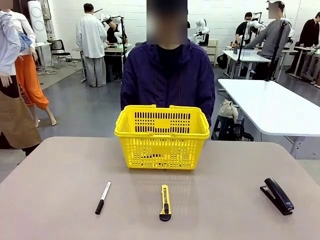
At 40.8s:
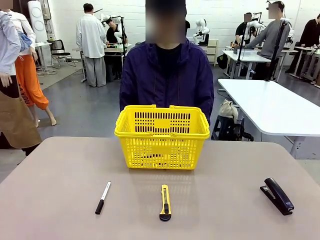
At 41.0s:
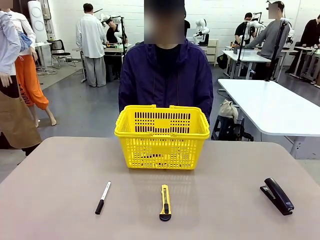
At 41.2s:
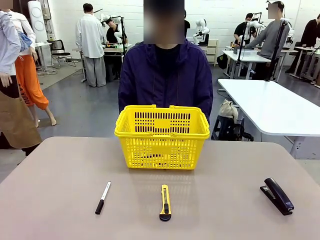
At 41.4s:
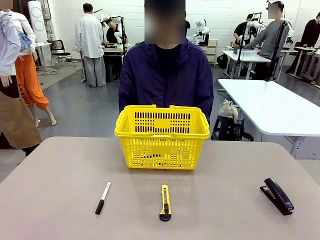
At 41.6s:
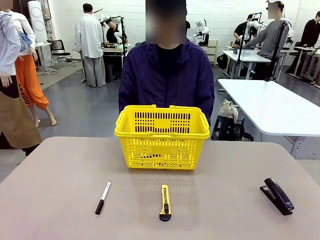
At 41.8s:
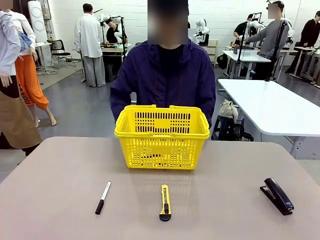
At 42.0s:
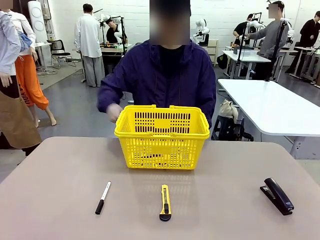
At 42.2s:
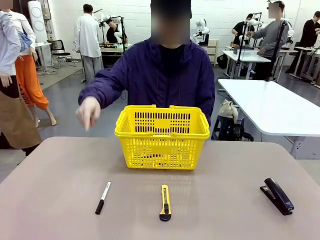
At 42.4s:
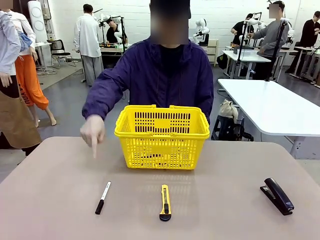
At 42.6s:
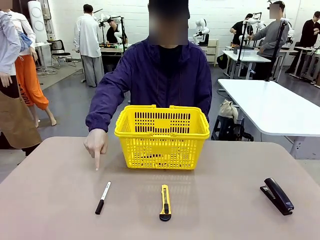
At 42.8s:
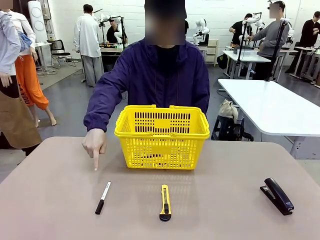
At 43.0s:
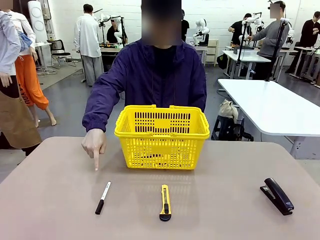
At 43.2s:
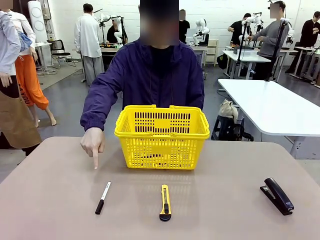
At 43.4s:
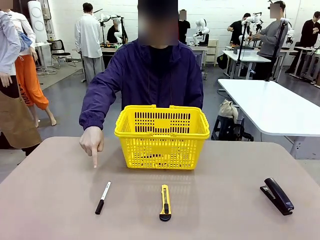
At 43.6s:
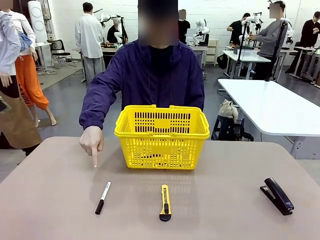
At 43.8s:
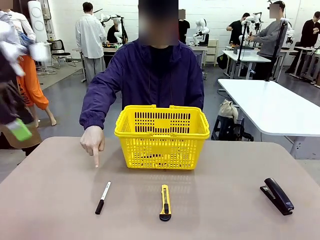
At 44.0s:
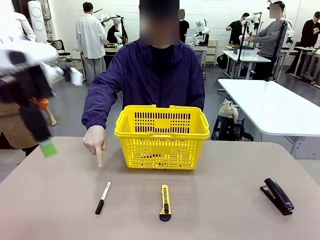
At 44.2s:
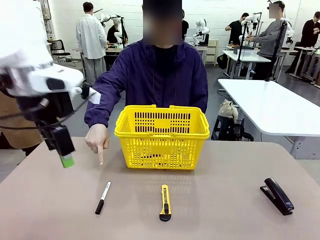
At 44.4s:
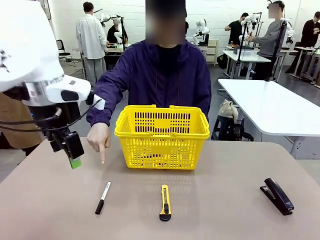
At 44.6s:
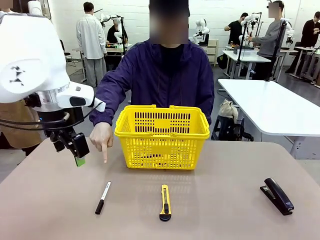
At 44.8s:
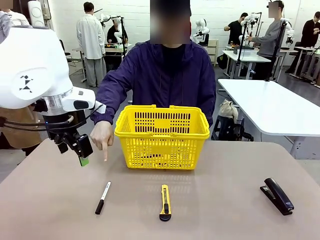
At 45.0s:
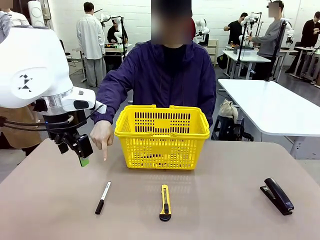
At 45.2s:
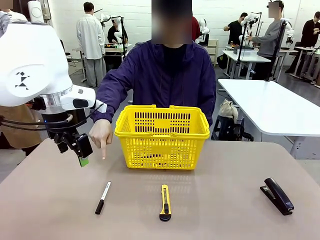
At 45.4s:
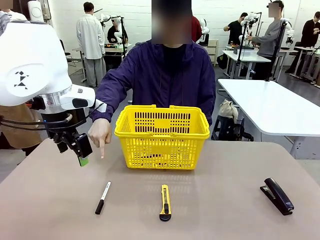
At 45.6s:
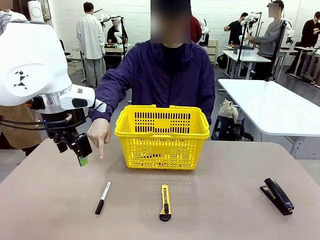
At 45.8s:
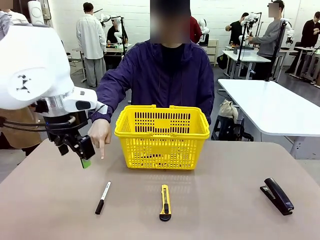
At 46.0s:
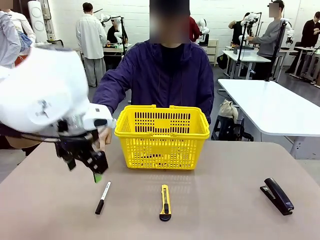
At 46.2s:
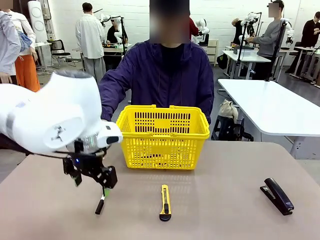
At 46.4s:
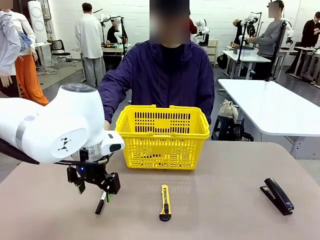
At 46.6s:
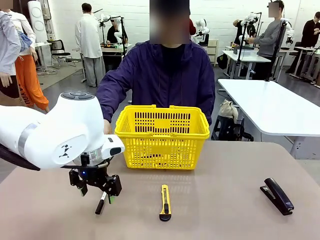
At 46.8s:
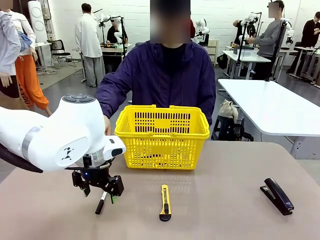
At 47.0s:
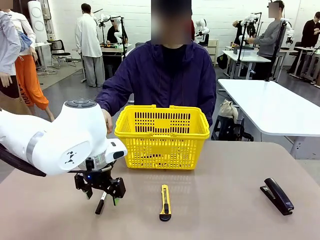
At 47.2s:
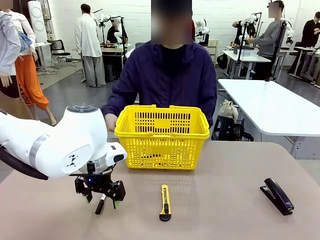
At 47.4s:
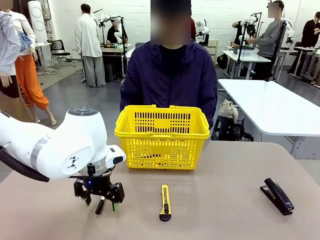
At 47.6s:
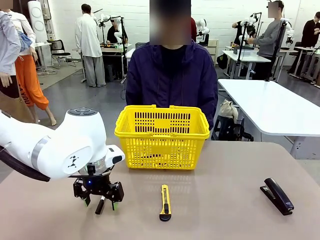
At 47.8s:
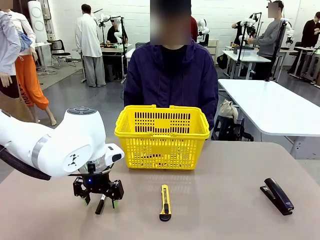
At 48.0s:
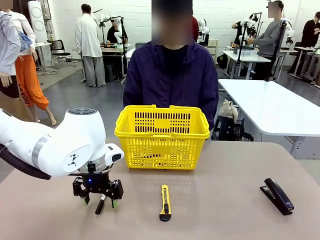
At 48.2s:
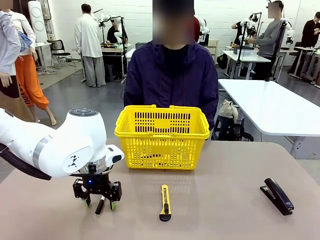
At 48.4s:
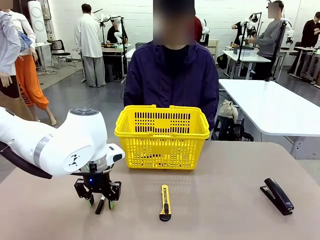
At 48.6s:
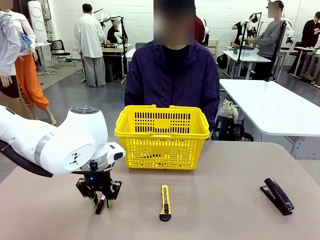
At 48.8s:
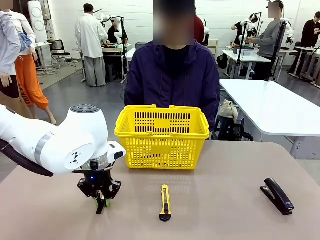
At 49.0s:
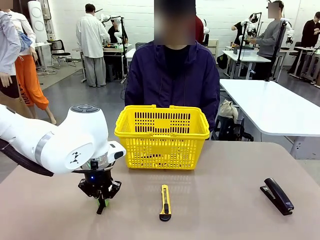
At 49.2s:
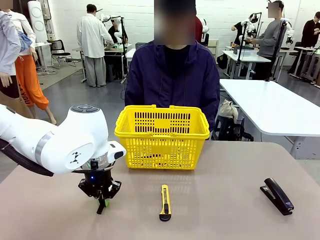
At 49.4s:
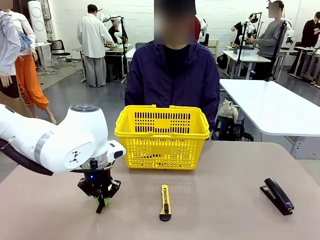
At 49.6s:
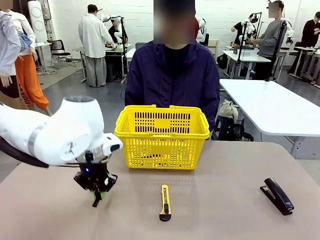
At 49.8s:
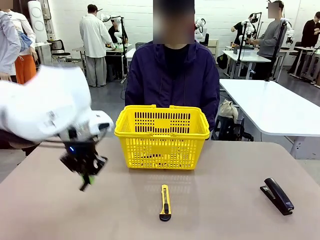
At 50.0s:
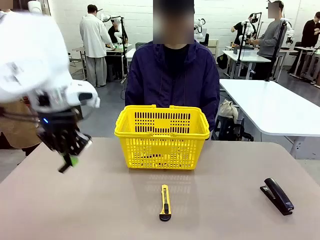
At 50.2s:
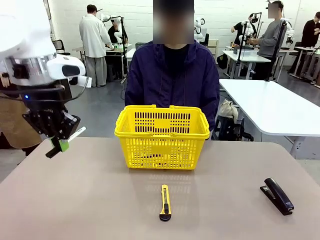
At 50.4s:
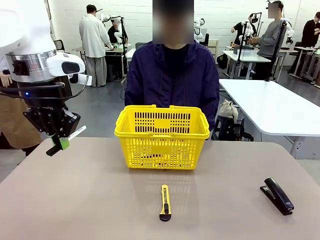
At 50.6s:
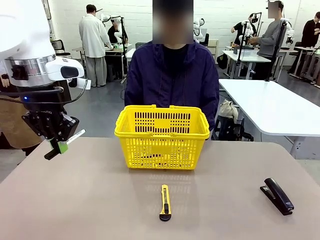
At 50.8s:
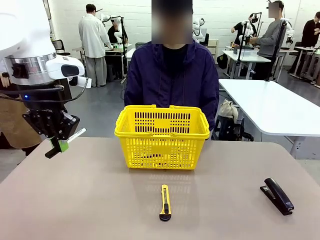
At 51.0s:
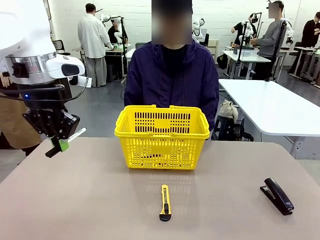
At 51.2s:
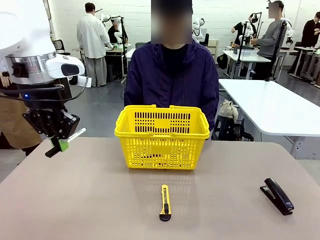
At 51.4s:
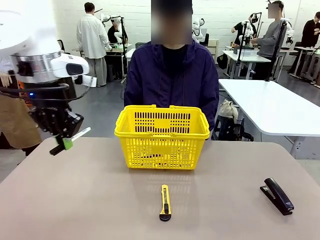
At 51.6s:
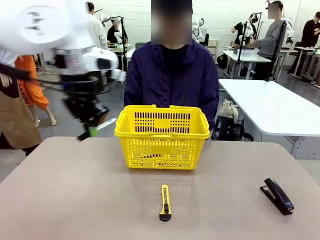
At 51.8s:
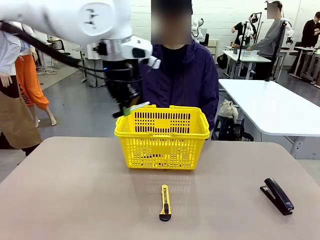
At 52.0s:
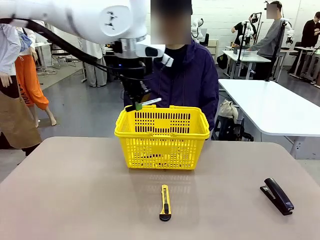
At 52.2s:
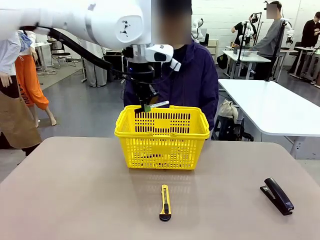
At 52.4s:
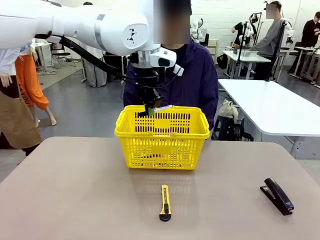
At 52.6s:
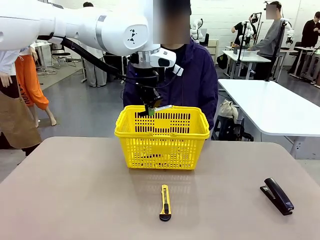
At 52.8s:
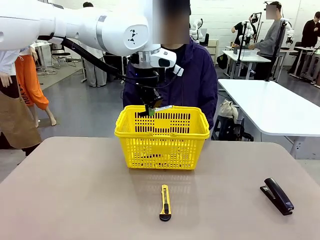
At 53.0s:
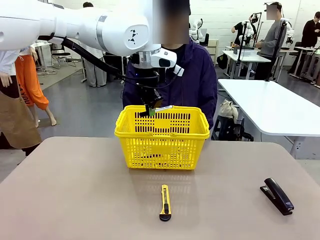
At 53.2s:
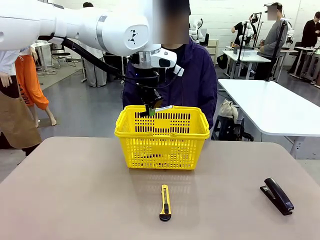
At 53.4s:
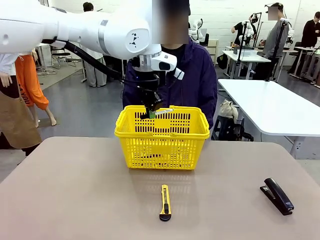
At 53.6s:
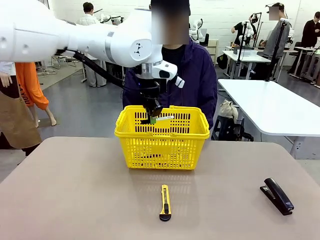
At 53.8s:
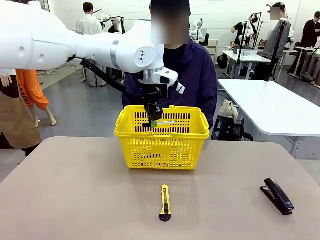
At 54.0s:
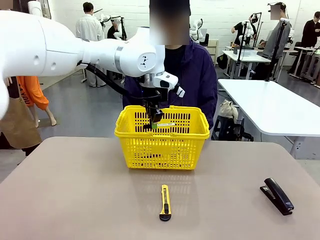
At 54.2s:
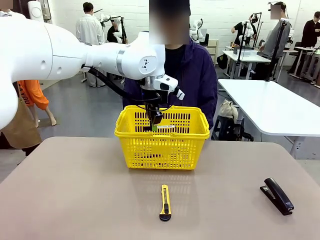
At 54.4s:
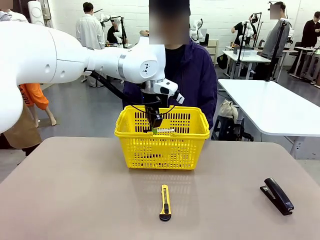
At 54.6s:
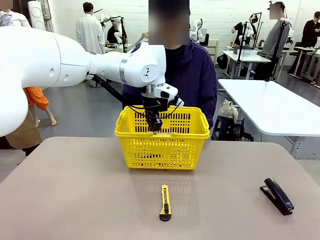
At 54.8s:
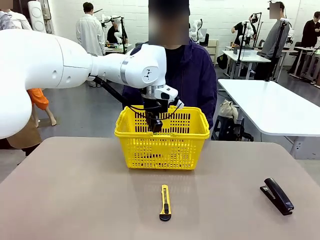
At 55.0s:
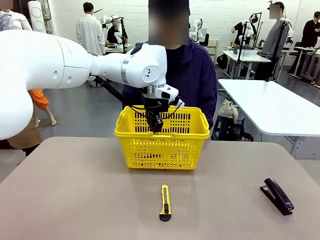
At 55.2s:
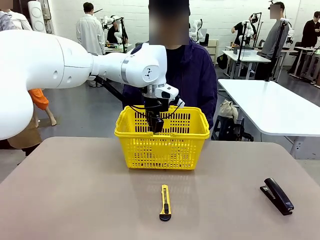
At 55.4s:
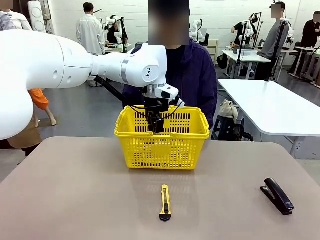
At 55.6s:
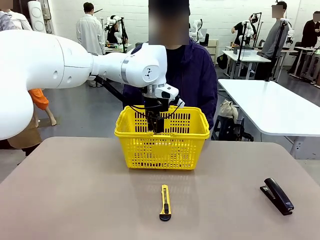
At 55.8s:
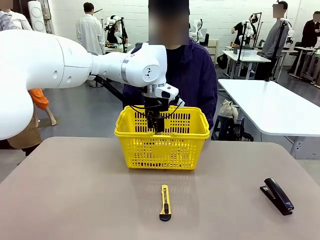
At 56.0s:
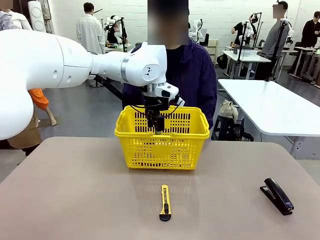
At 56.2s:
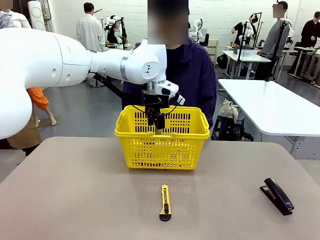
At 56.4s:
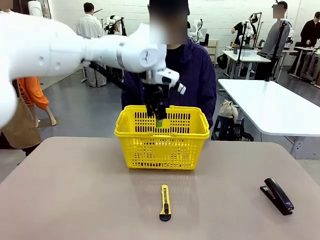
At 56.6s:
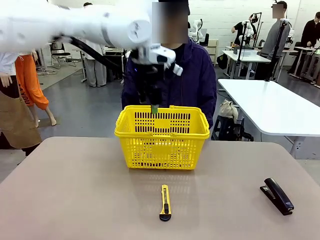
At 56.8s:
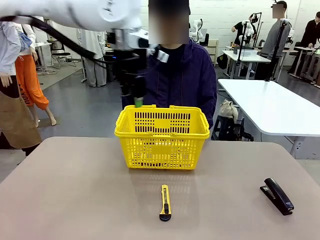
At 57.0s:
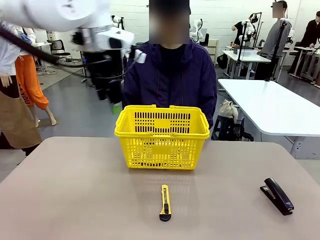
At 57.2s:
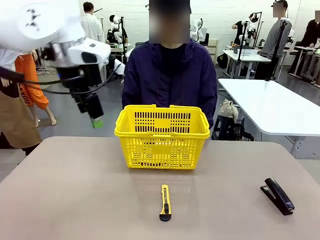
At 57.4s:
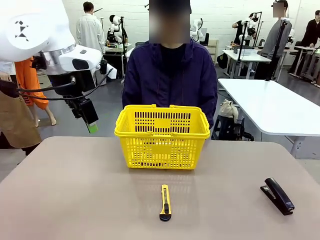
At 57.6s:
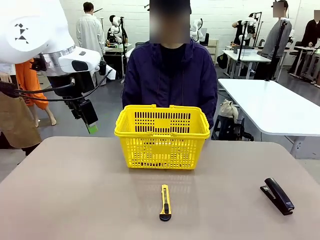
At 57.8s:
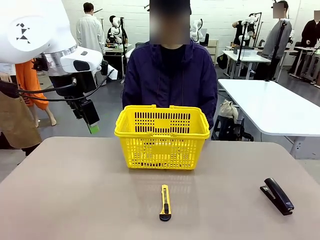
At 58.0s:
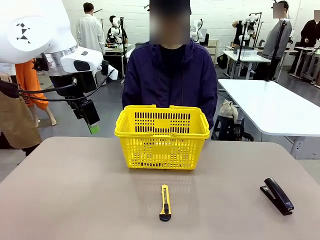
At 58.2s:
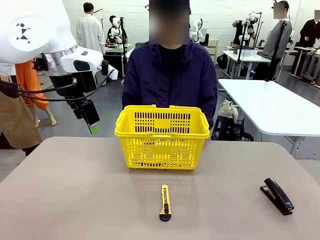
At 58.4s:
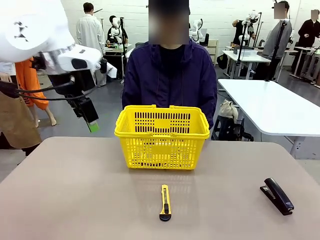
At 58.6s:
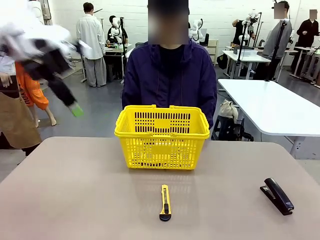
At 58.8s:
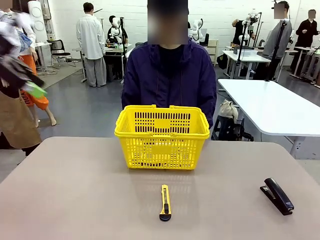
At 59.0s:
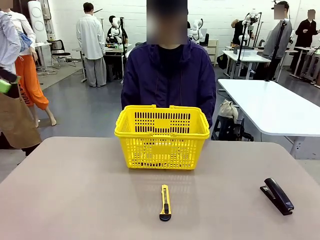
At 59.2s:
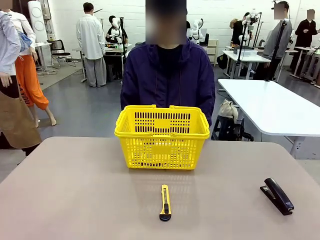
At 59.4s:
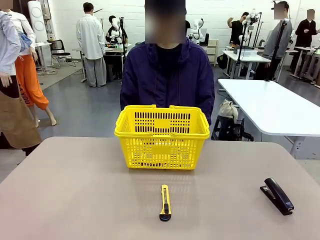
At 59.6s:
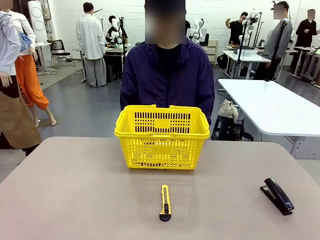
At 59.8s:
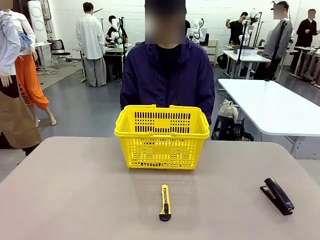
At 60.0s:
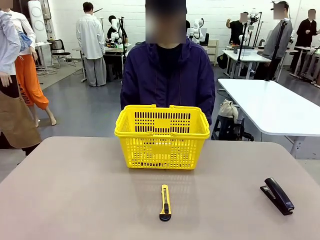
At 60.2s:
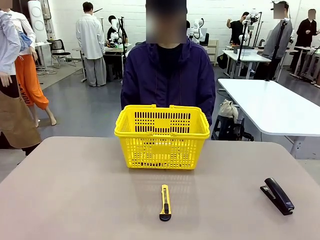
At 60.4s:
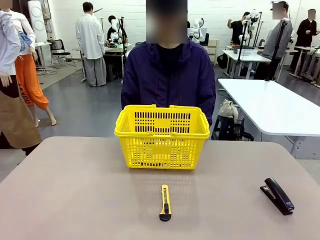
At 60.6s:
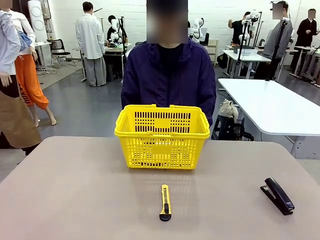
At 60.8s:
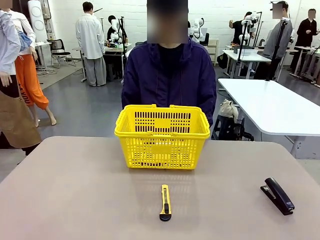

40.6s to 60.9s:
Task: Place the items the person wants into the basket.
Robot: Pick up the item the person points to and place it in the Market Basket.
